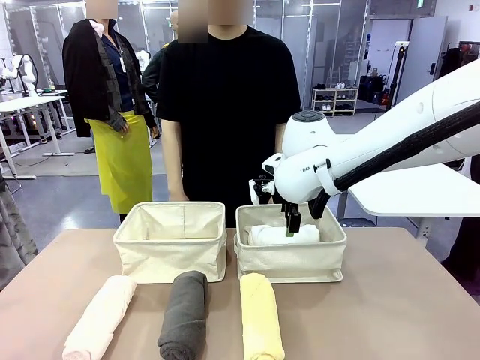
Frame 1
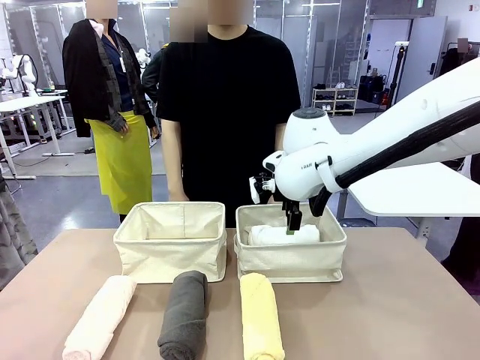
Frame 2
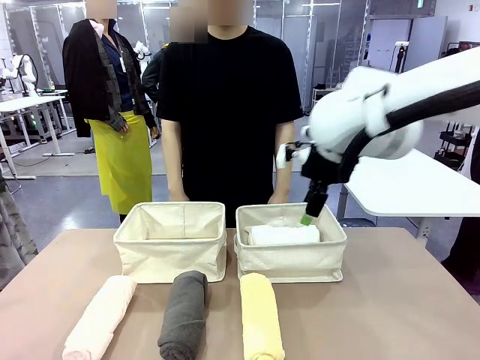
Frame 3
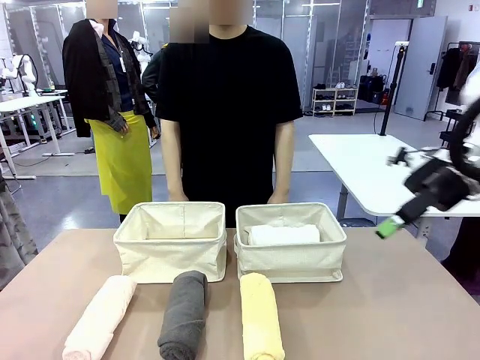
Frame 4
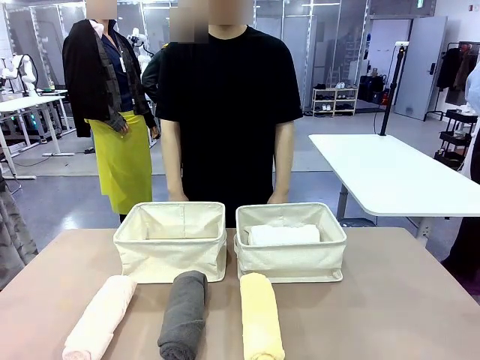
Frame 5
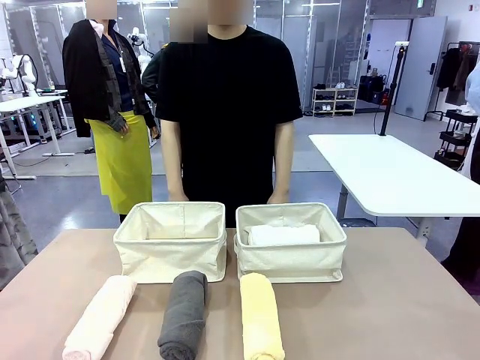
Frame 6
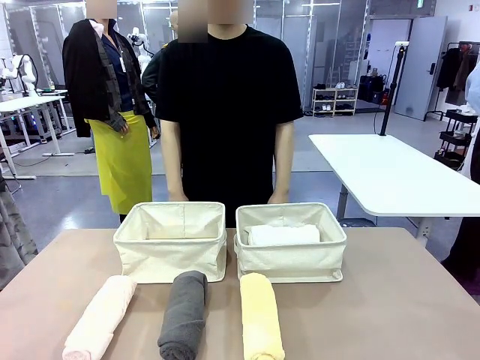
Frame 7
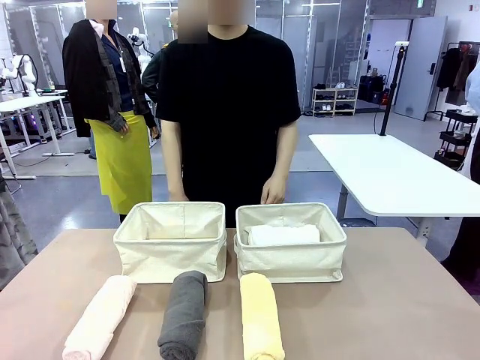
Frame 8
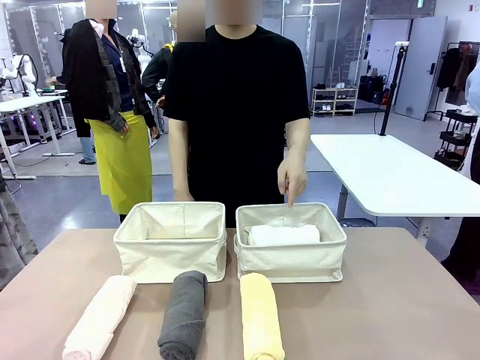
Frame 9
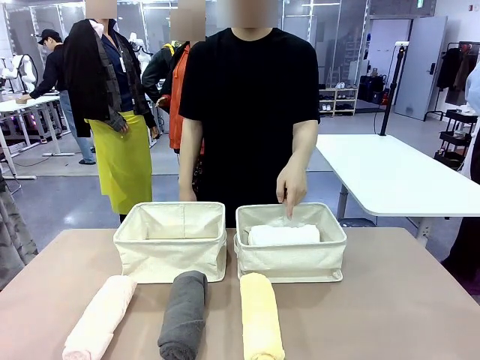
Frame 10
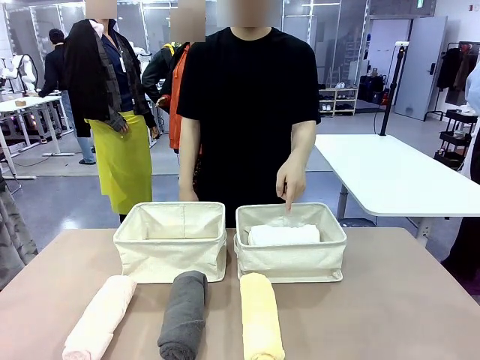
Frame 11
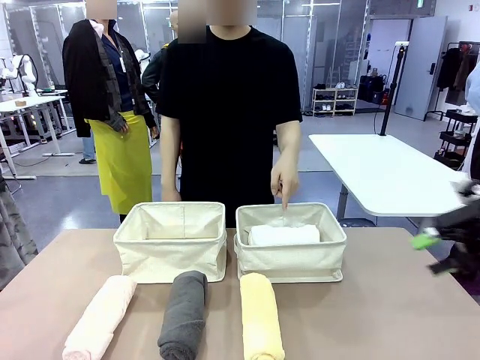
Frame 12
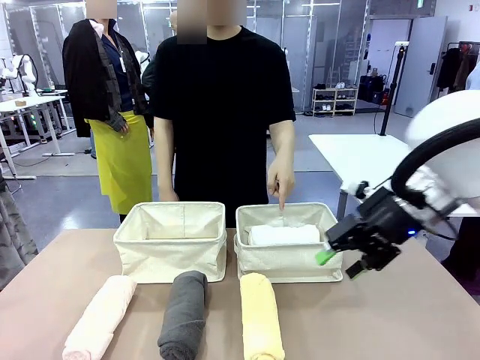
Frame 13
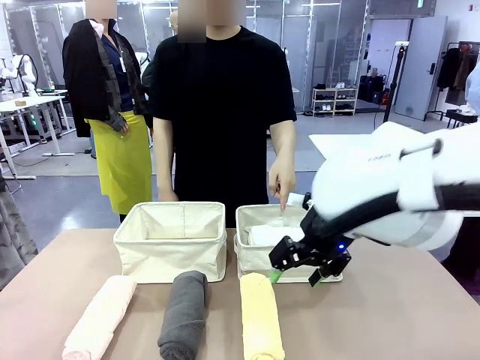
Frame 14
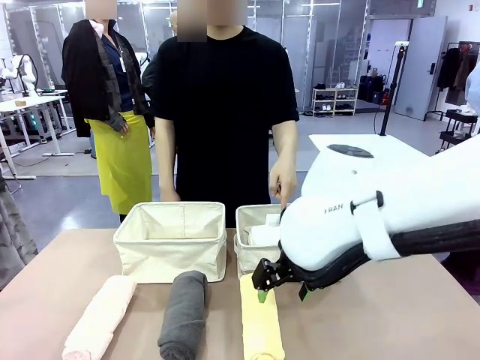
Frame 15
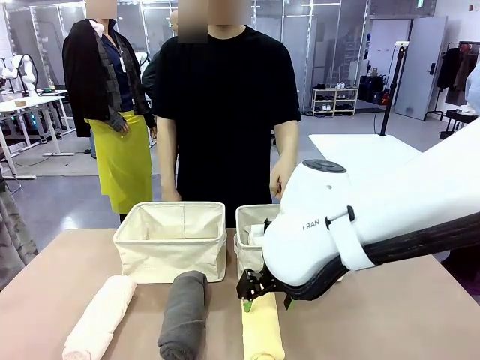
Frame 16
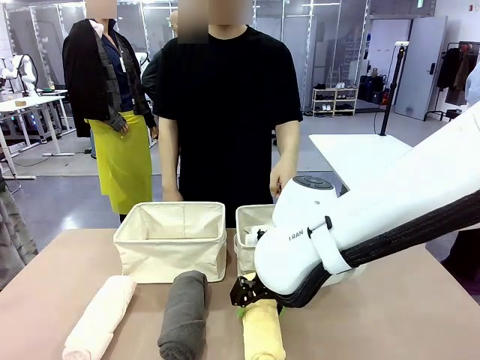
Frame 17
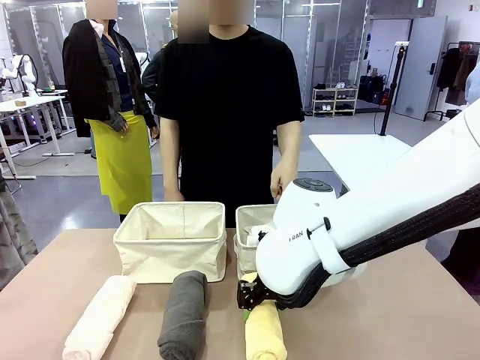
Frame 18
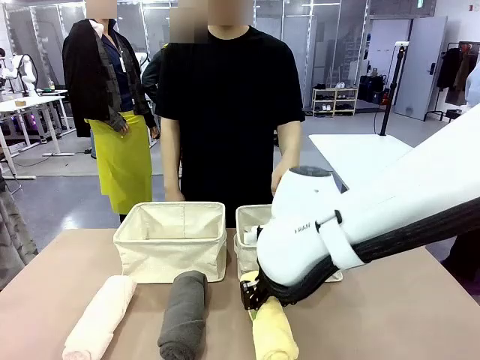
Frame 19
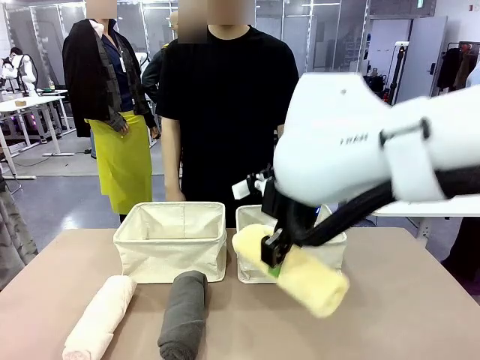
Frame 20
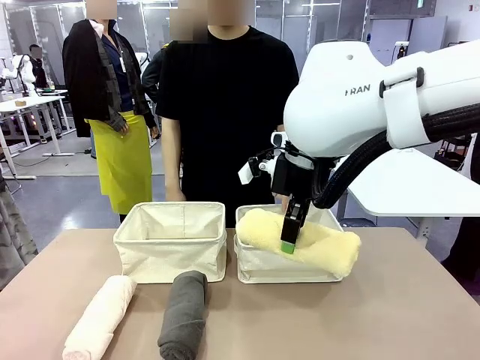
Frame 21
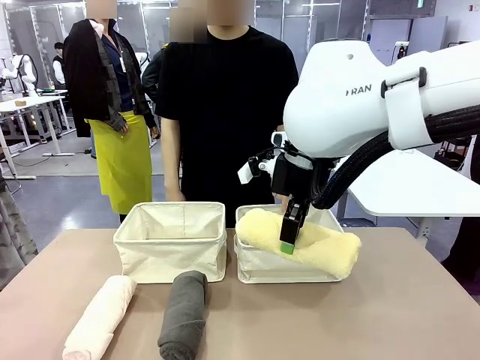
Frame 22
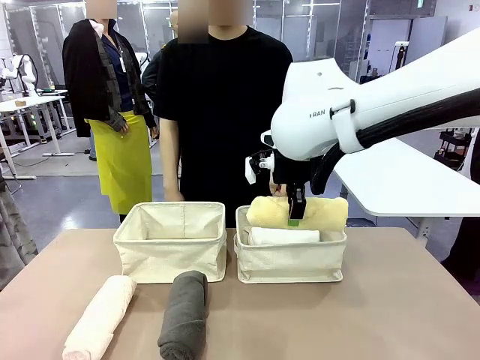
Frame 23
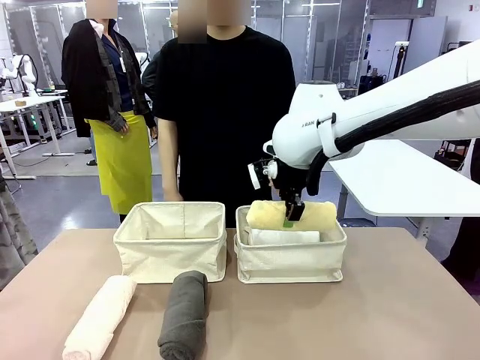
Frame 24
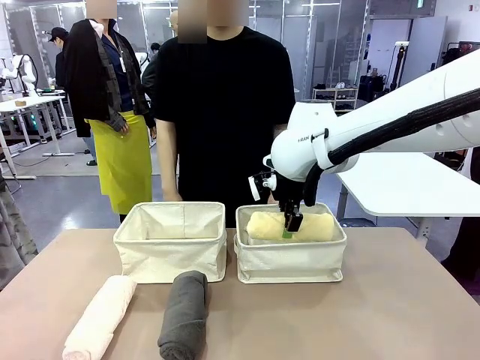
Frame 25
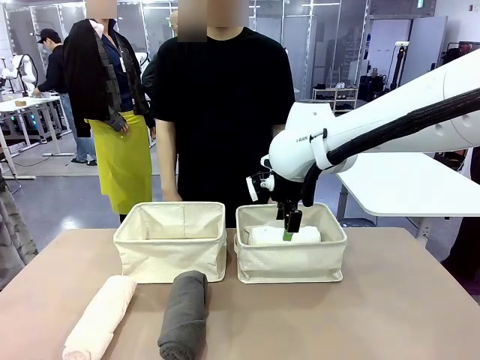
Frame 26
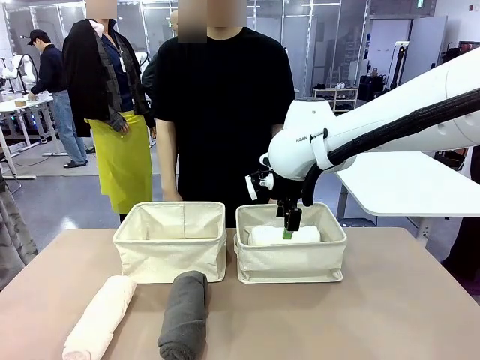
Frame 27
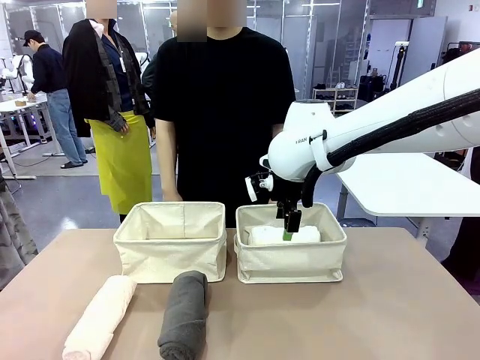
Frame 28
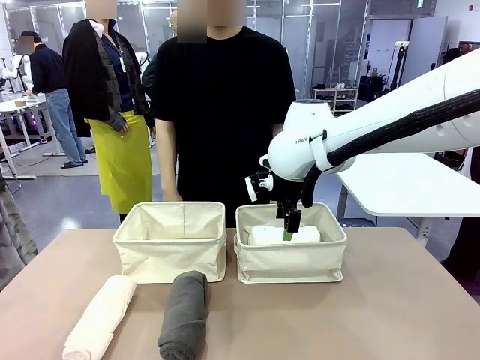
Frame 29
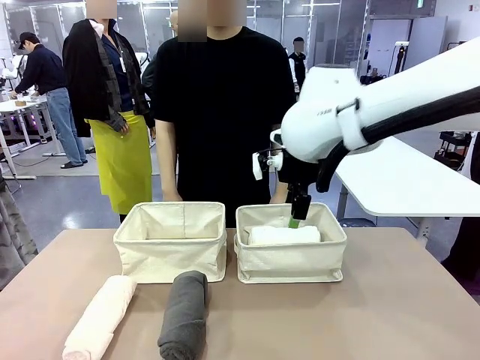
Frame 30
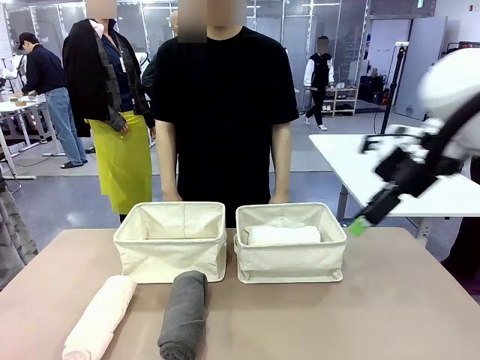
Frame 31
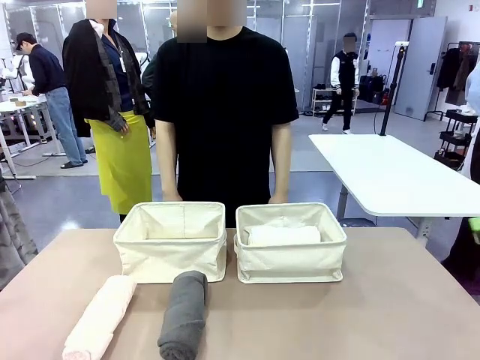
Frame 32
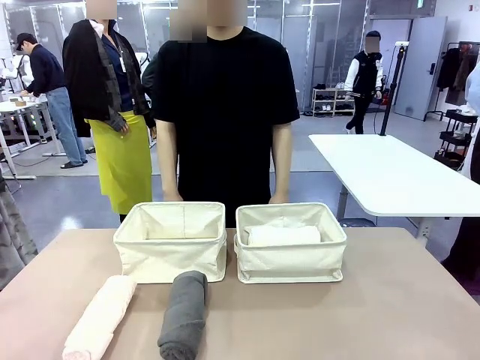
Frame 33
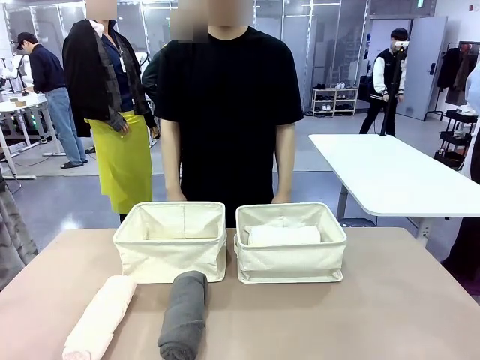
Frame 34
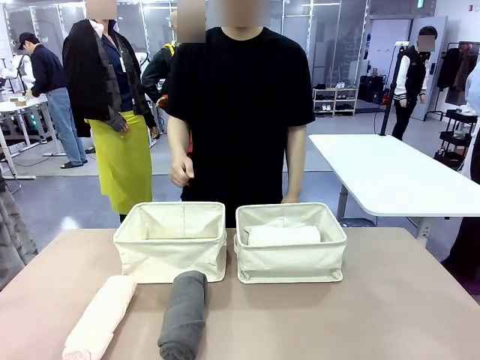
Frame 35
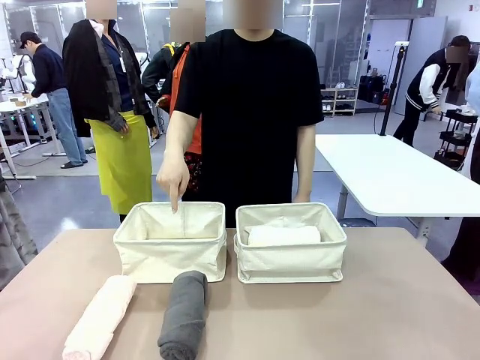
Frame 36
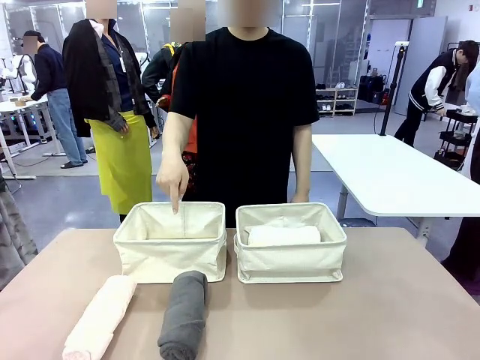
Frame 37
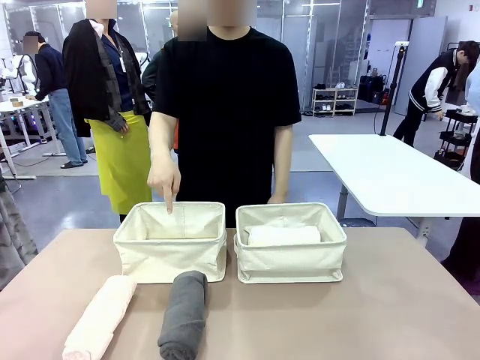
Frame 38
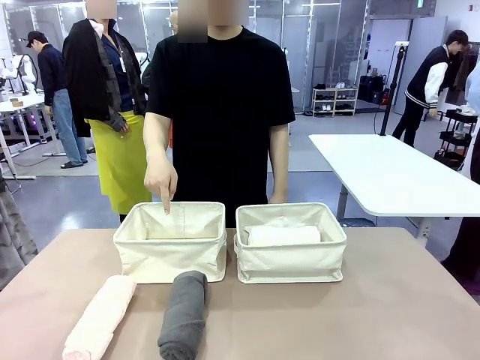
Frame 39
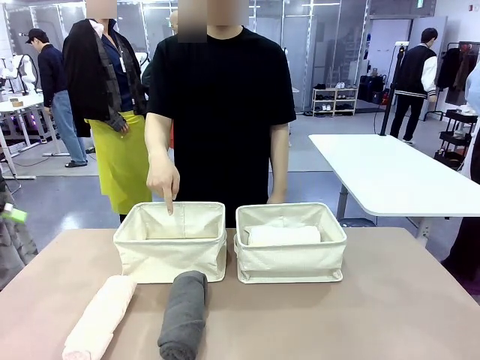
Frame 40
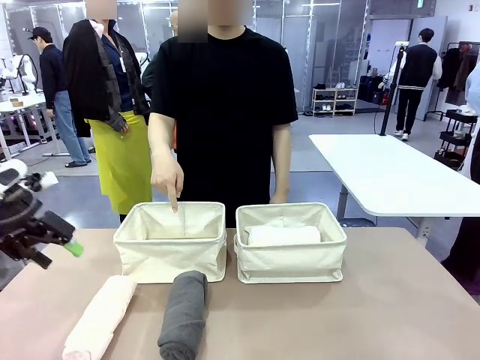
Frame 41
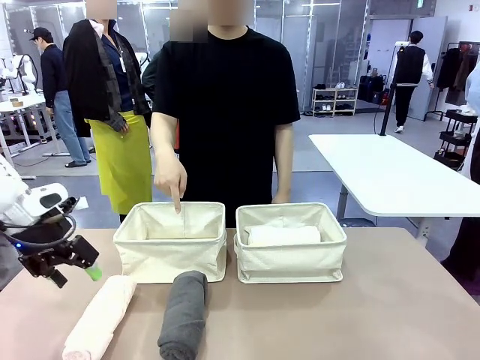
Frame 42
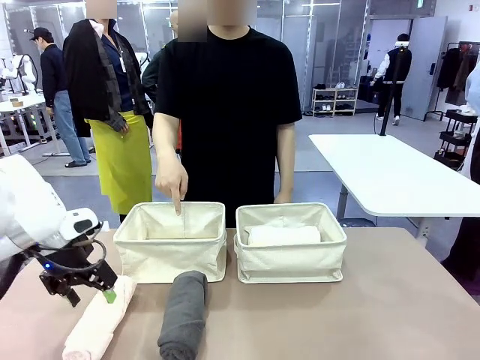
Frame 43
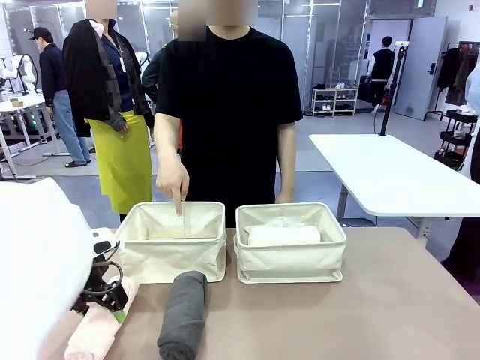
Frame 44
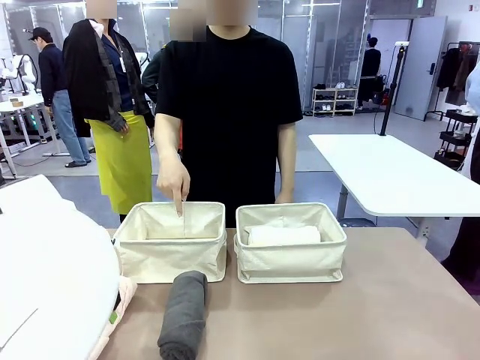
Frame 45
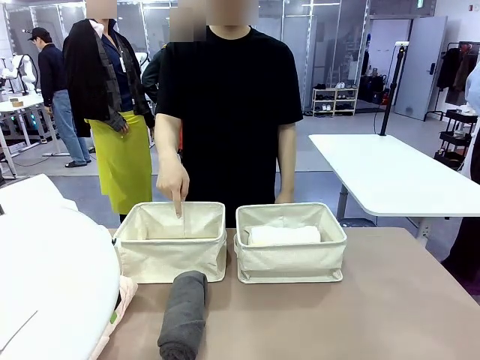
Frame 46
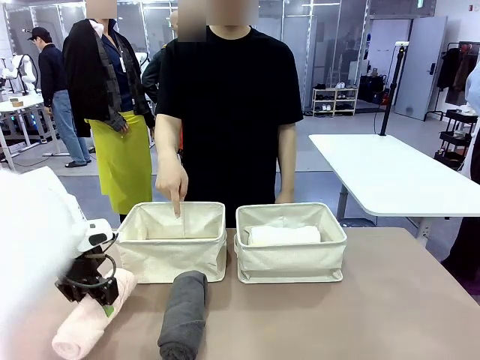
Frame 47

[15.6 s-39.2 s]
Task: Divide the towels into two baskets.
Robot: Pick up one hotel-folded towel from the bottom of the table and place it in the Fabric basket indicated by the person.
